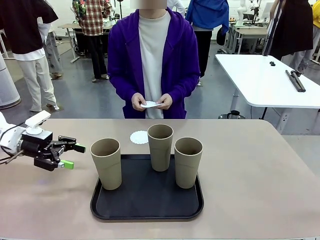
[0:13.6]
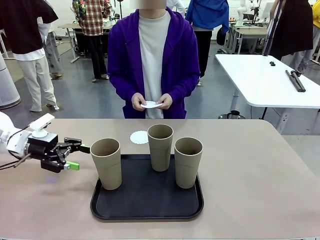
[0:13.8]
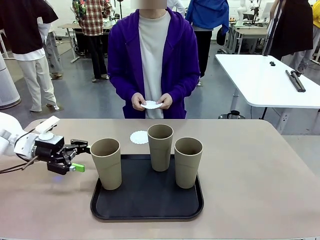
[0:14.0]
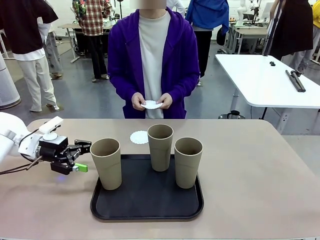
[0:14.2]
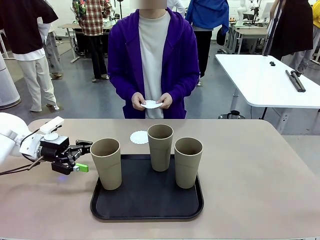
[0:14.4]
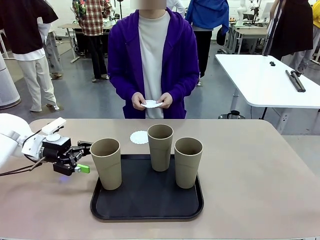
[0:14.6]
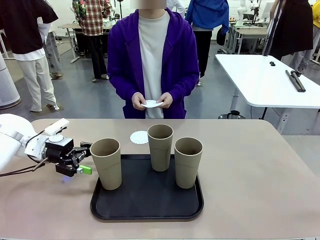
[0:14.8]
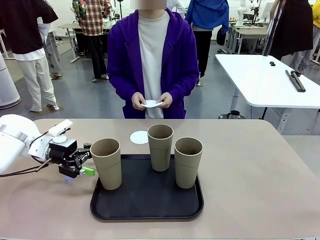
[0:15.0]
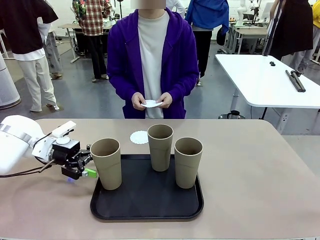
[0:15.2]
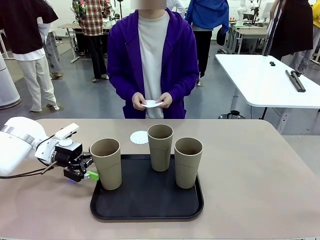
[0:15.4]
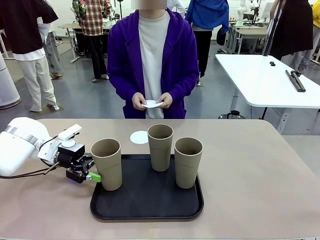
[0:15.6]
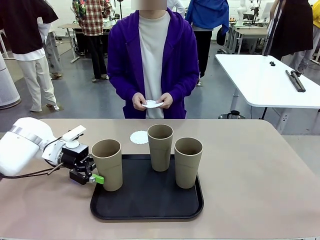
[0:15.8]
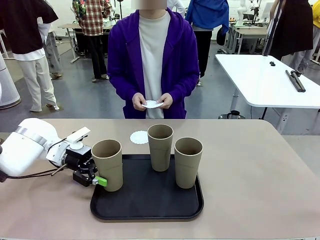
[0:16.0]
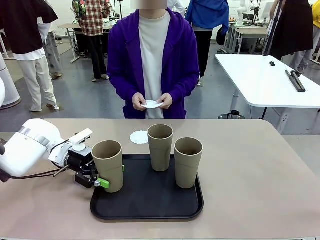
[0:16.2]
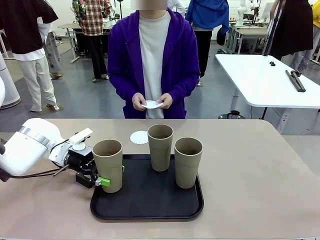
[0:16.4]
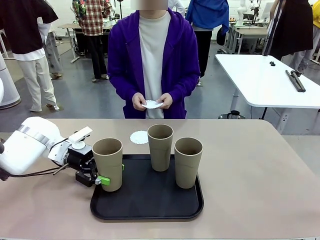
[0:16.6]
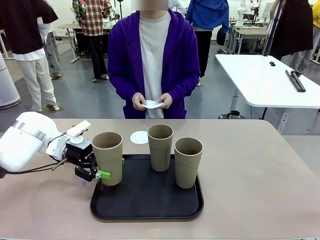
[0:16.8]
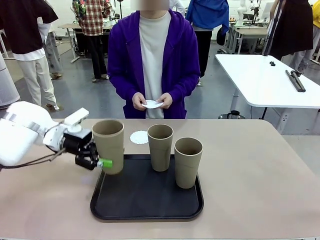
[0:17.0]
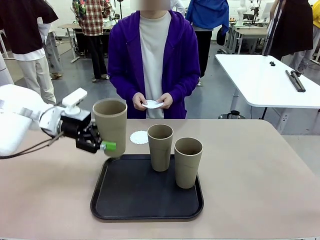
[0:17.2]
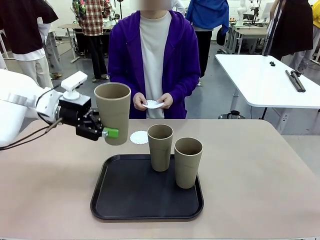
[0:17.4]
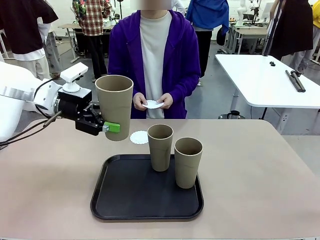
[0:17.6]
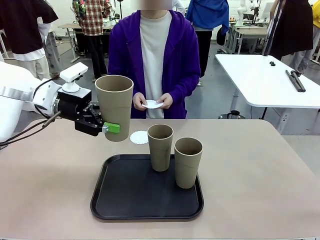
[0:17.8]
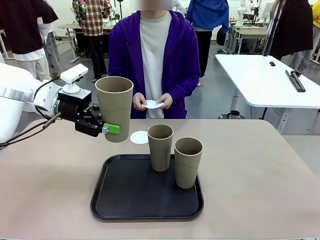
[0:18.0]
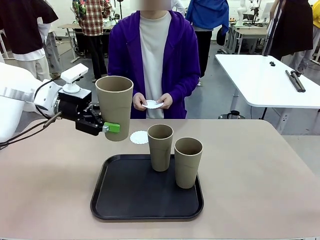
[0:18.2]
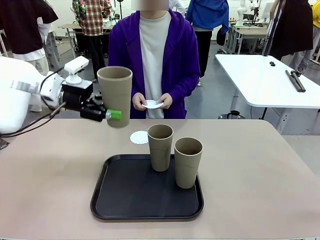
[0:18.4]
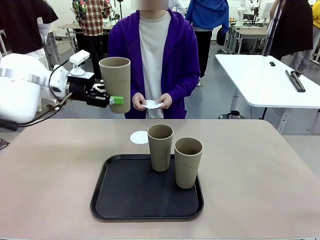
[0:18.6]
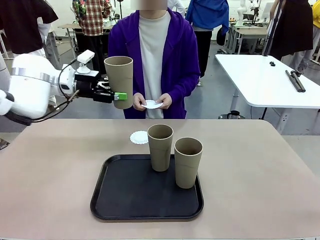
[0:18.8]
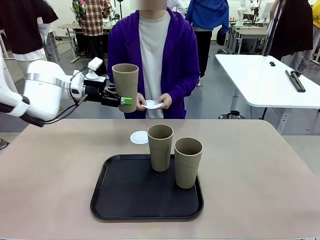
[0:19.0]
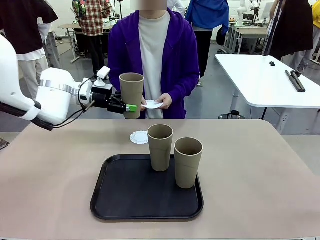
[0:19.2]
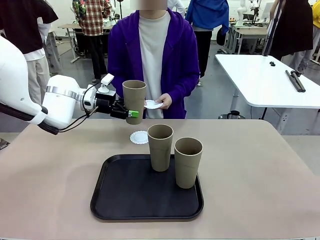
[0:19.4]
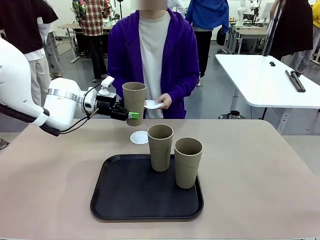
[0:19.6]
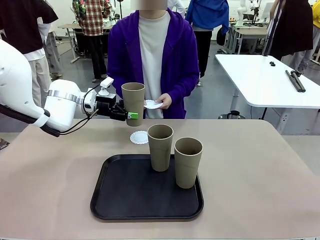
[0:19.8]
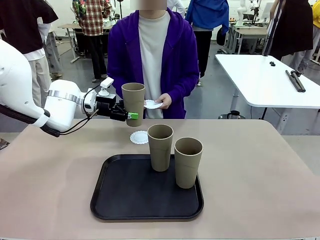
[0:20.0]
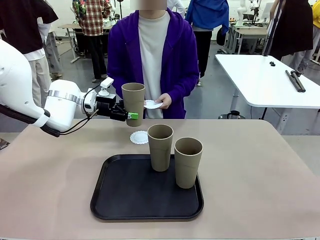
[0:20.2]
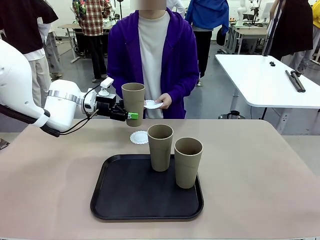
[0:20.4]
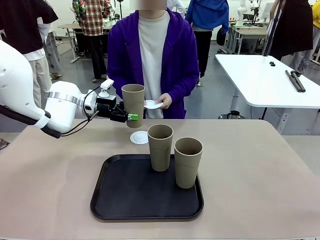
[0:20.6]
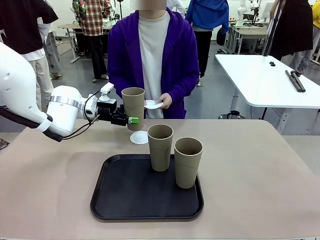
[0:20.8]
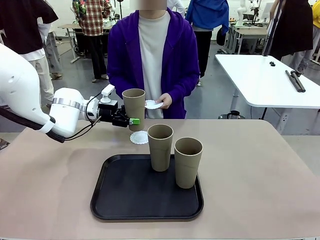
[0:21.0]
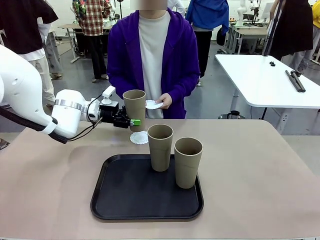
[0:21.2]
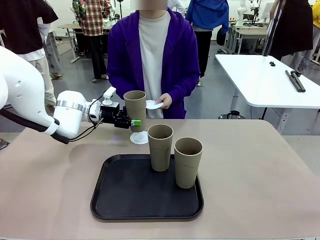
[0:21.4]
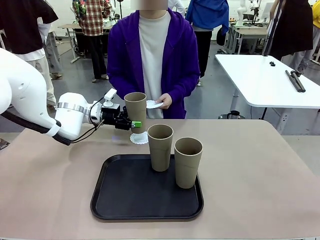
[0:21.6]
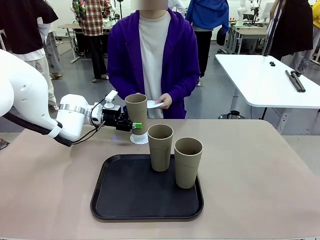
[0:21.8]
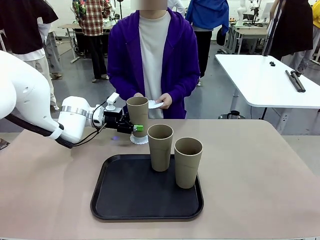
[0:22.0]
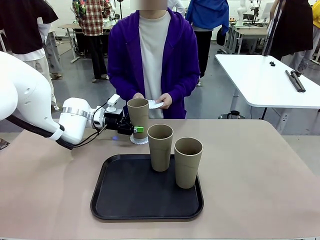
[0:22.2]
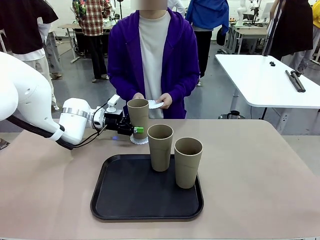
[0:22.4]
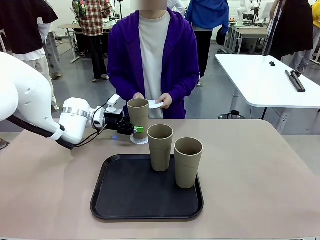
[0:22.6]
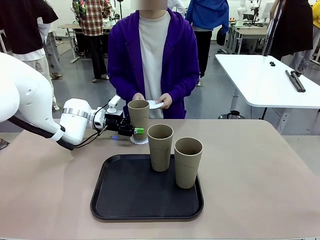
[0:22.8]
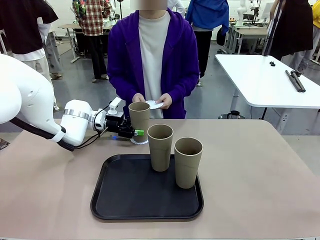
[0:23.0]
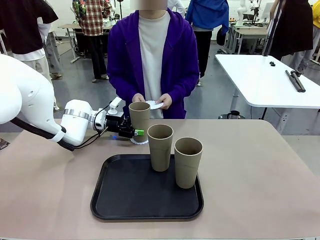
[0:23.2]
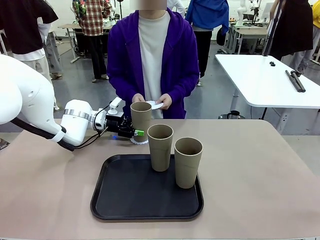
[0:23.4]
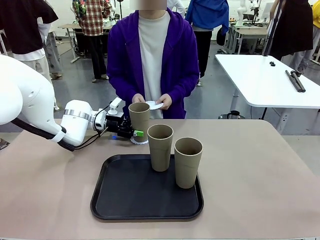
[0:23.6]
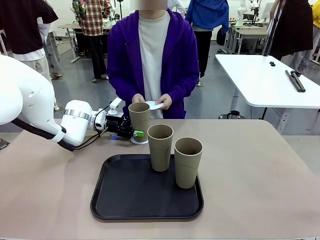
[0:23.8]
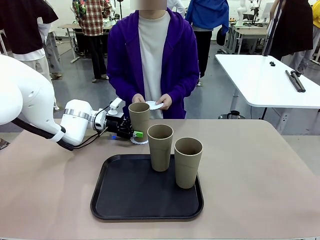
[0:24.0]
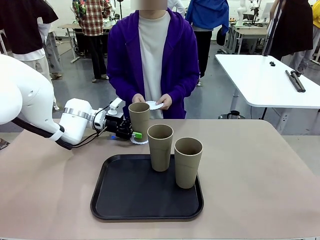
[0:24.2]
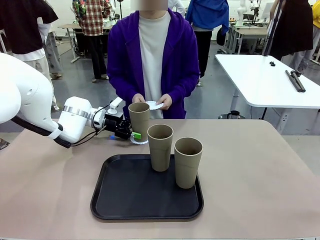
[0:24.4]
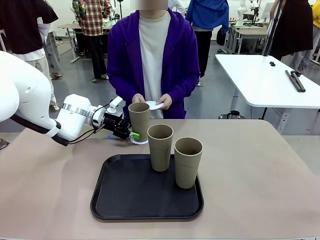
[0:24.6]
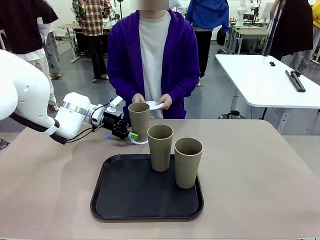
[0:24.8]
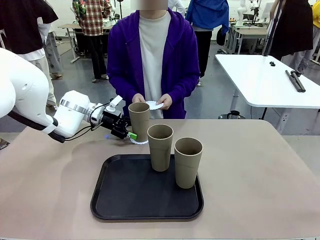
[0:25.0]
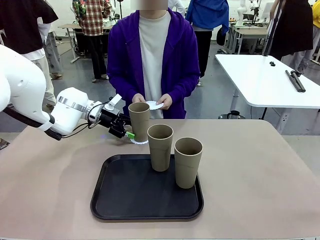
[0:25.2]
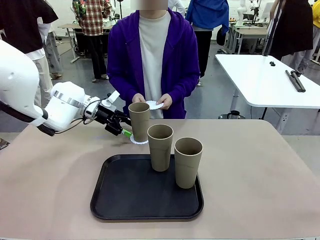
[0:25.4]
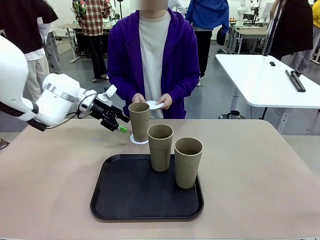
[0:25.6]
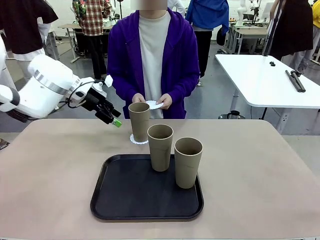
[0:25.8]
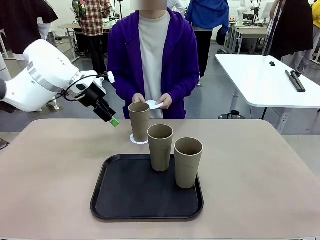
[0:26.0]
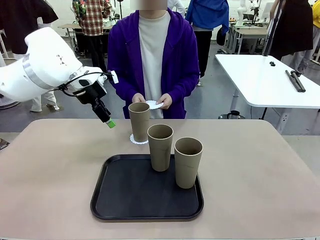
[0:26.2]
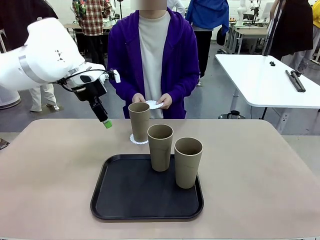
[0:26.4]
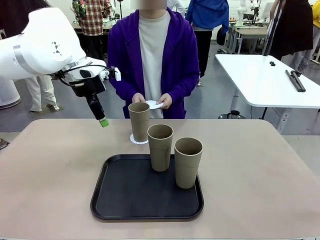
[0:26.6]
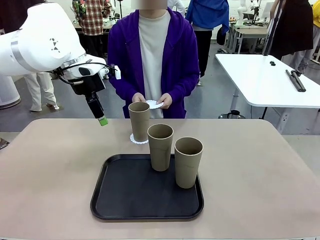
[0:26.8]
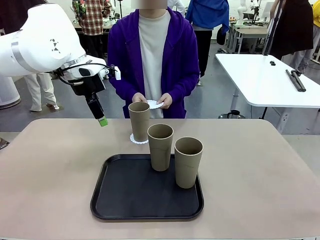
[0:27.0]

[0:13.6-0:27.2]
Task: Place coasters on the table and set cups on them.
Robot: Pick up one Reusable plastic cup and place it on a coaster set by the human.
